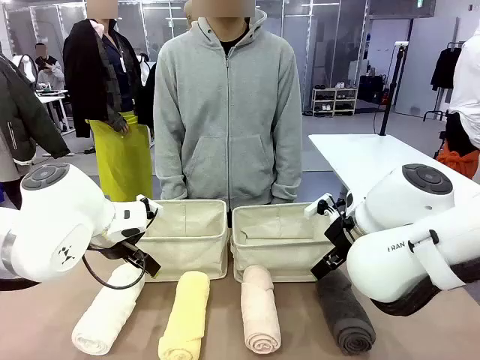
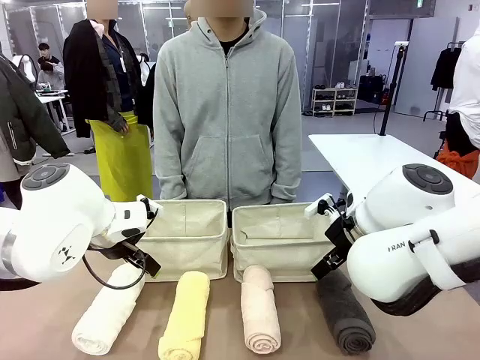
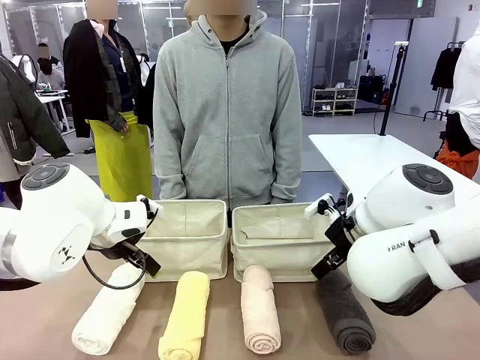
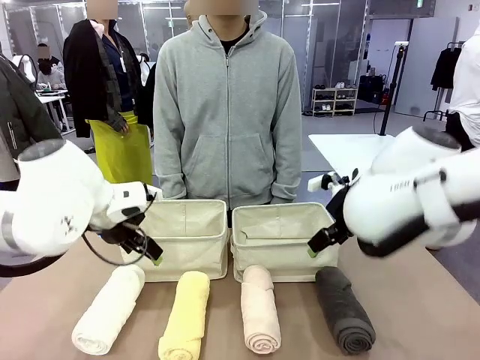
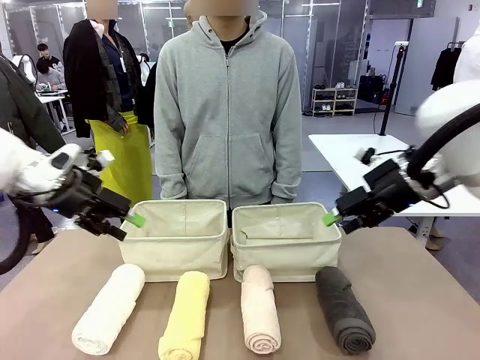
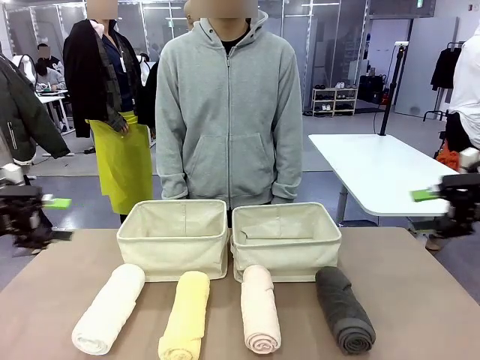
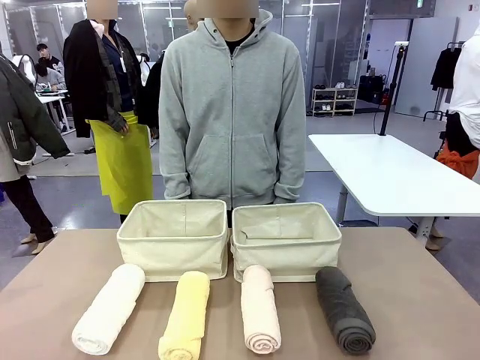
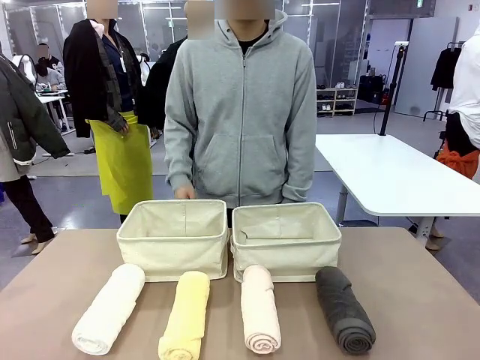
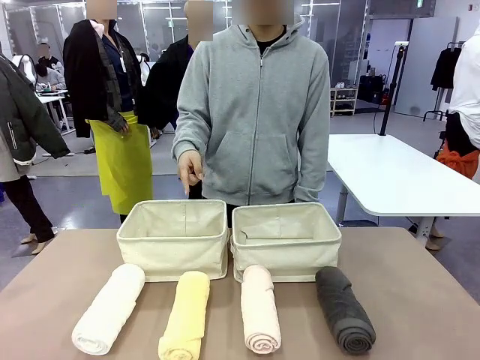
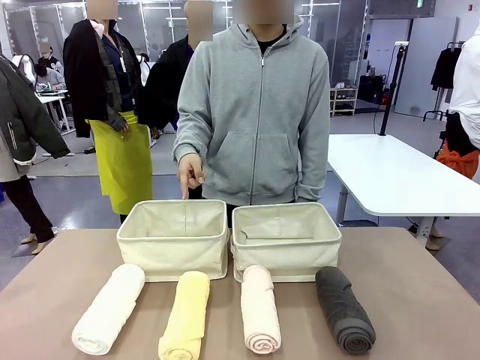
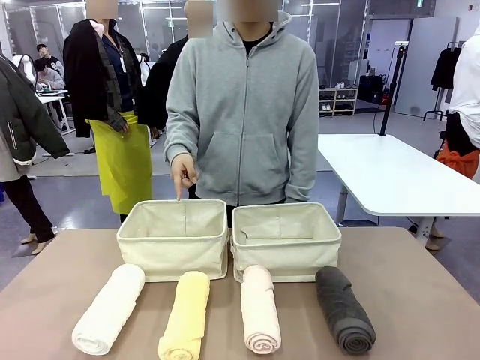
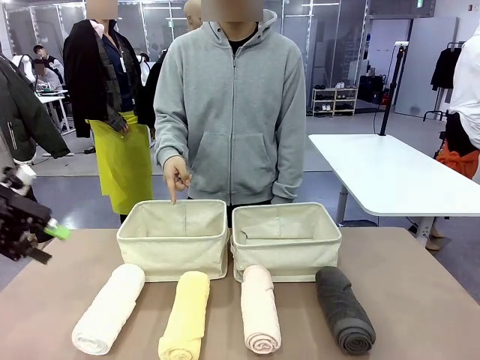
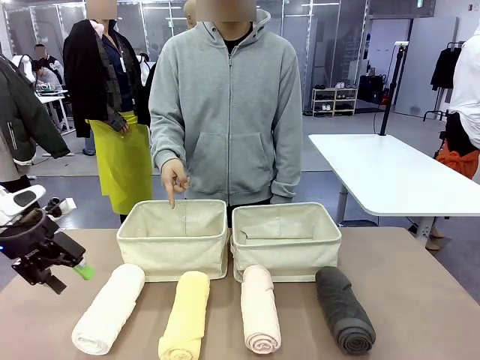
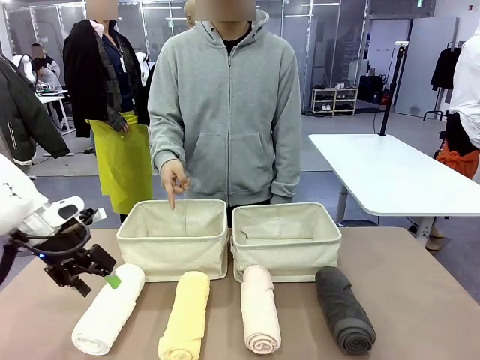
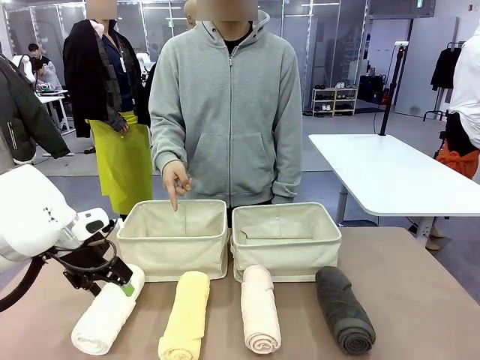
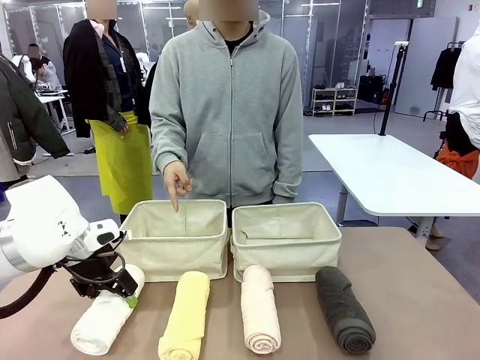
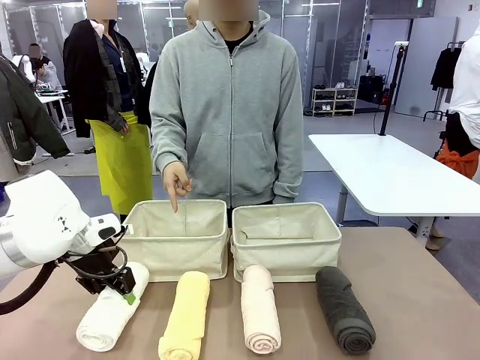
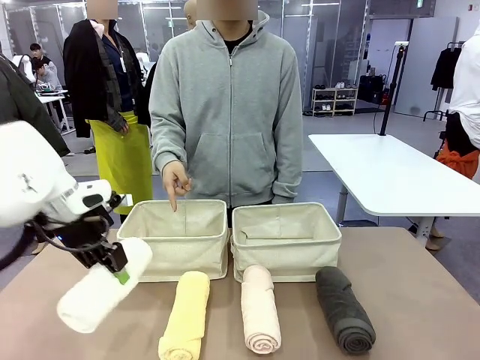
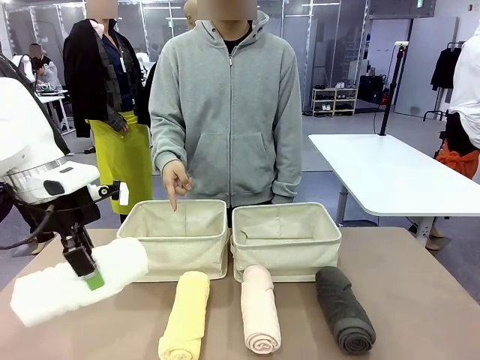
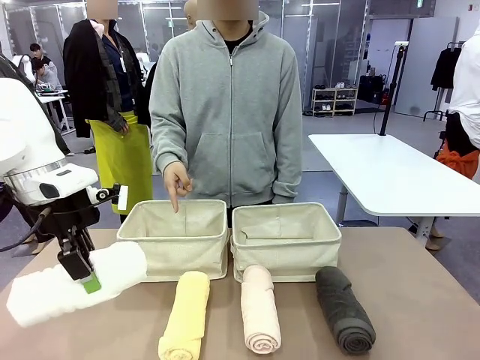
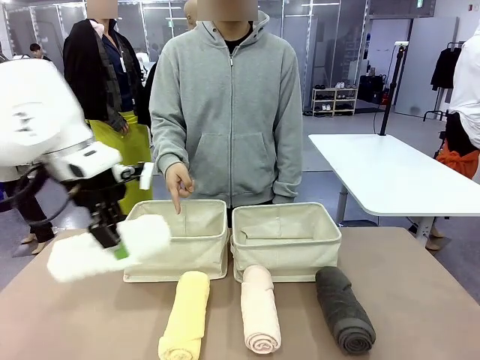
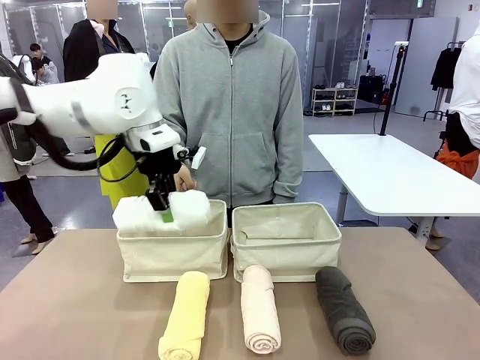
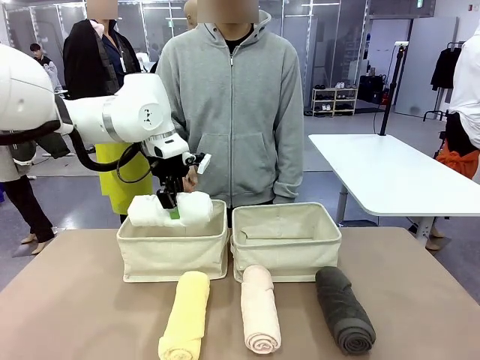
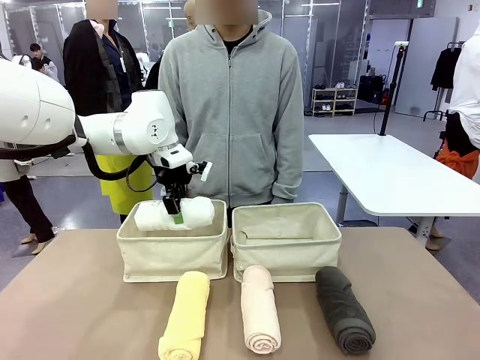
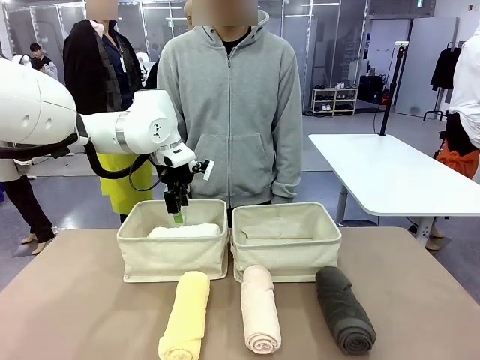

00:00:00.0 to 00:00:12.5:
Task: Divide the towels into two baskets.
Robot: Pick up one hotel-folded towel and place it in the Fabric basket indicated by the person.

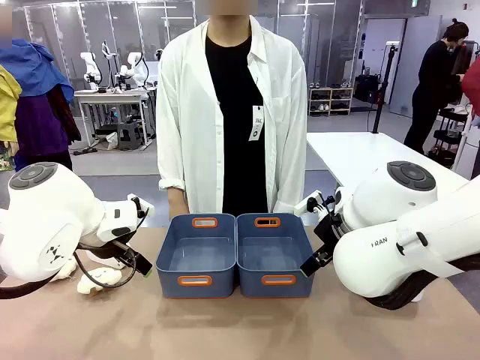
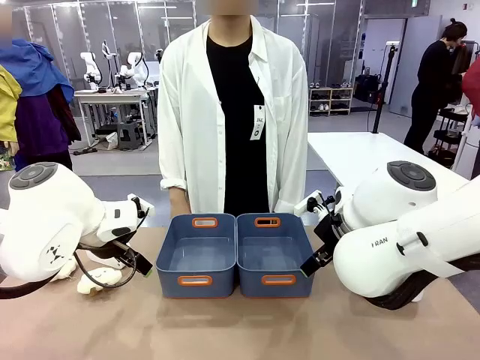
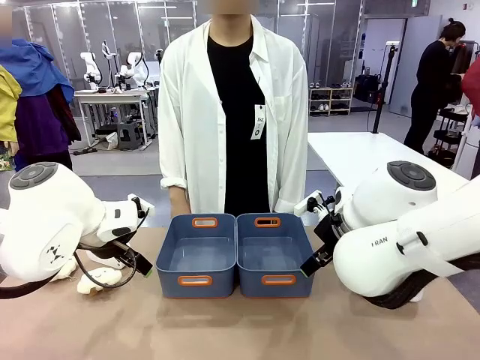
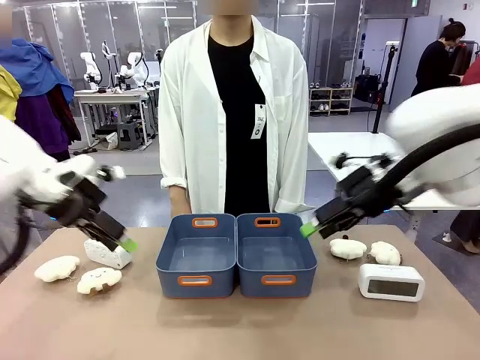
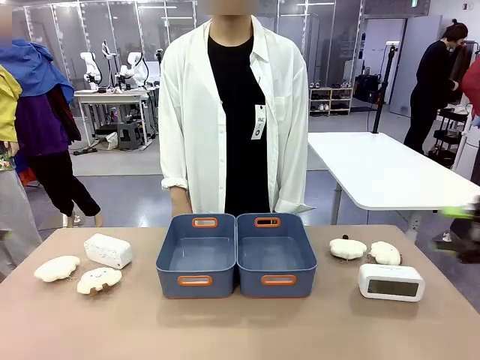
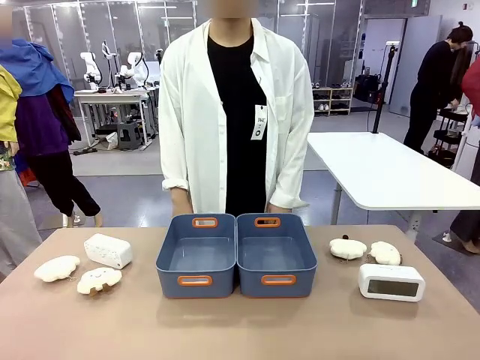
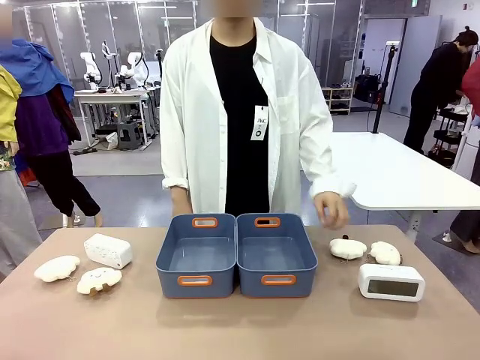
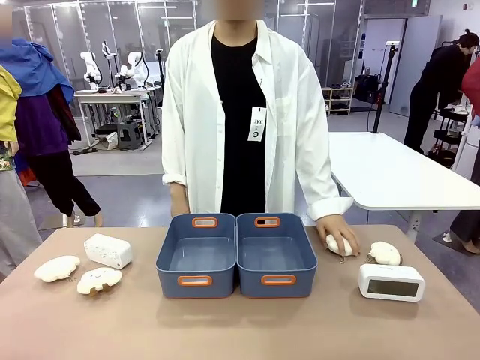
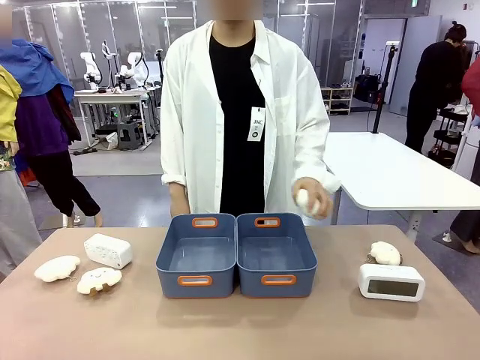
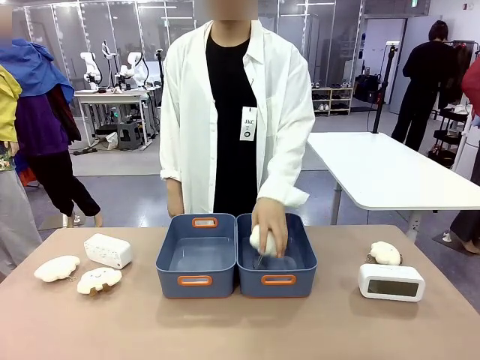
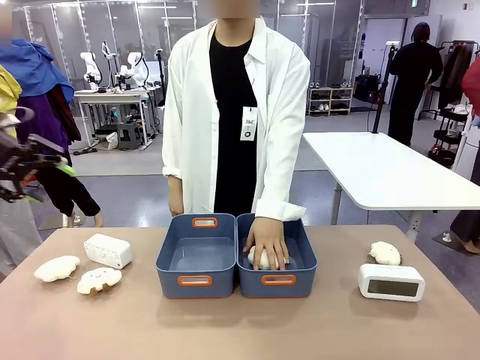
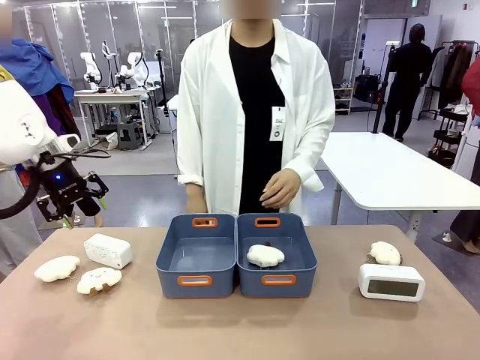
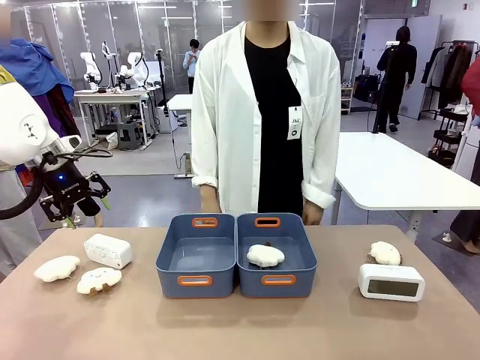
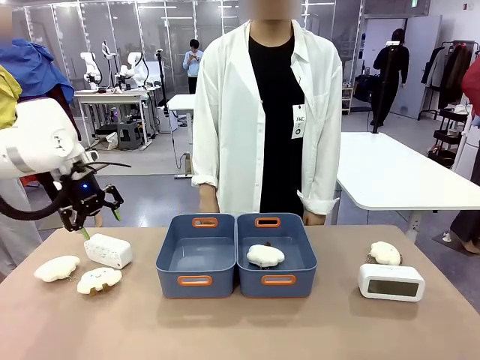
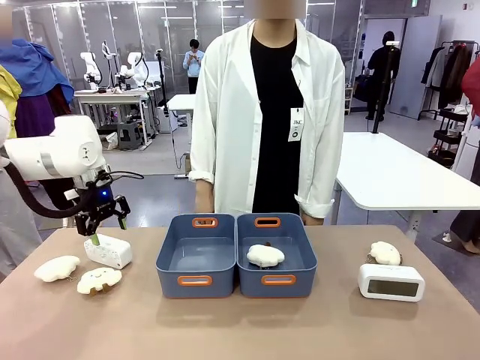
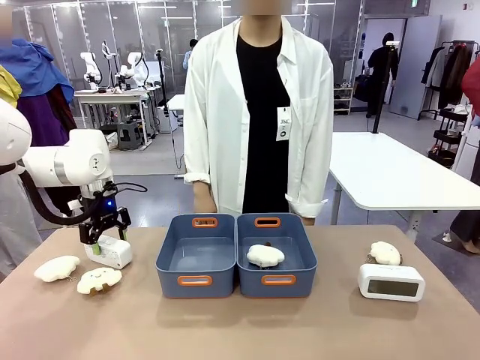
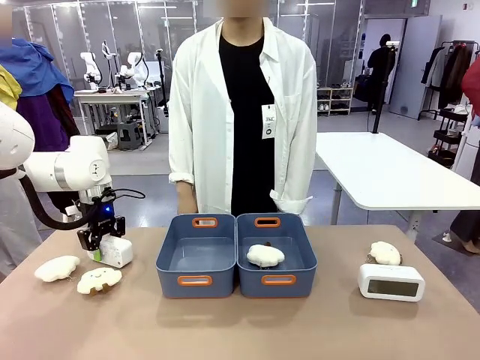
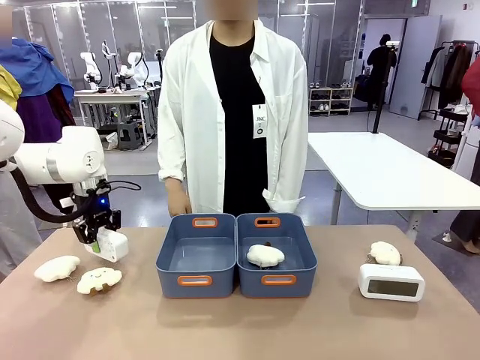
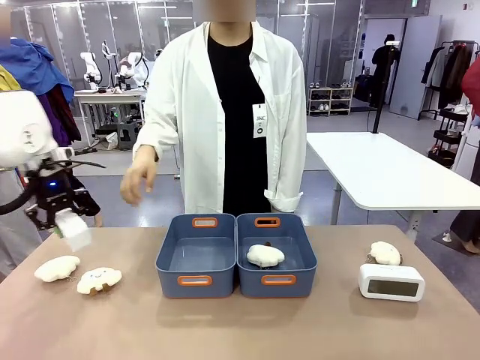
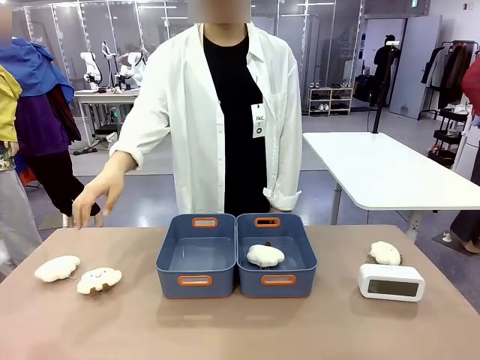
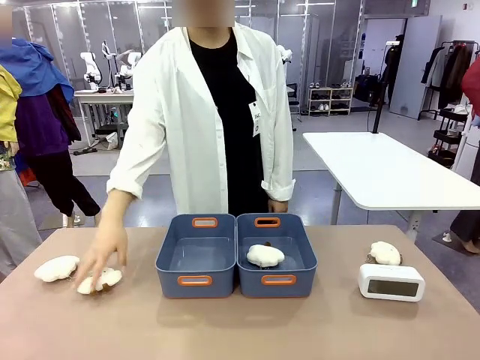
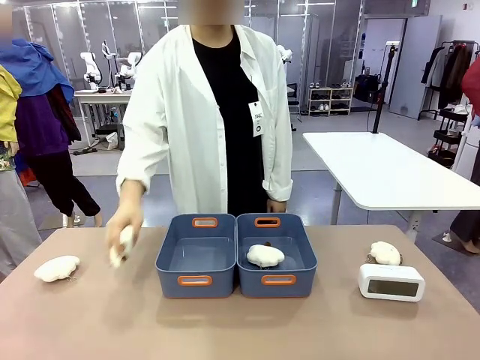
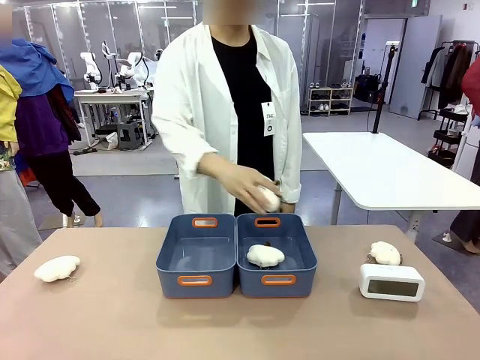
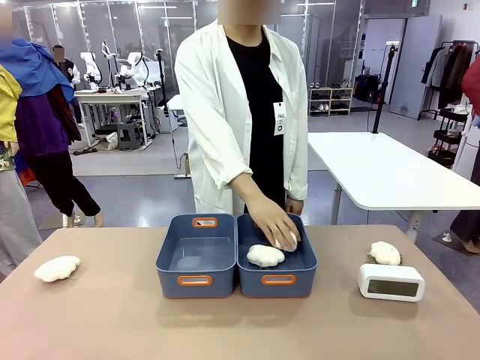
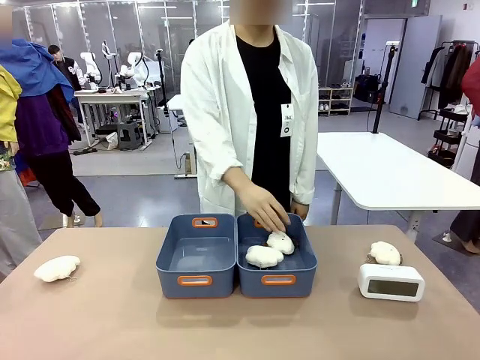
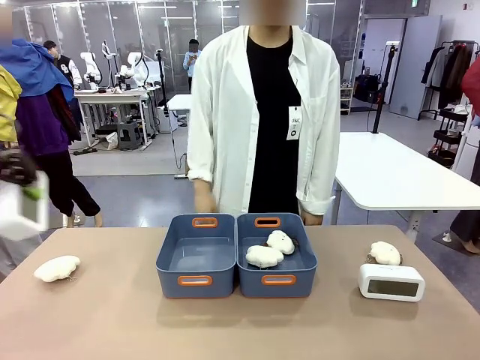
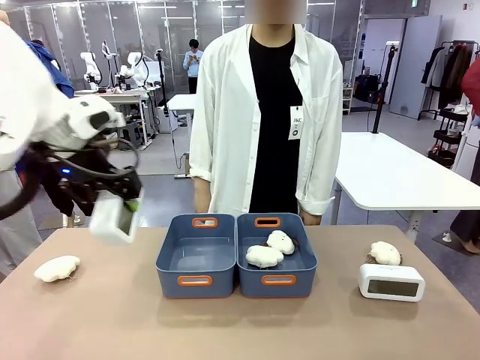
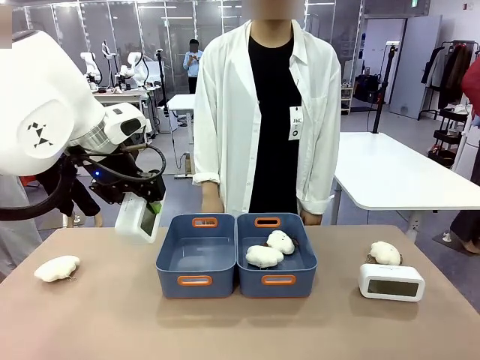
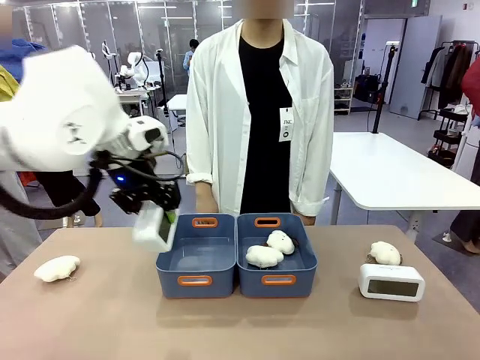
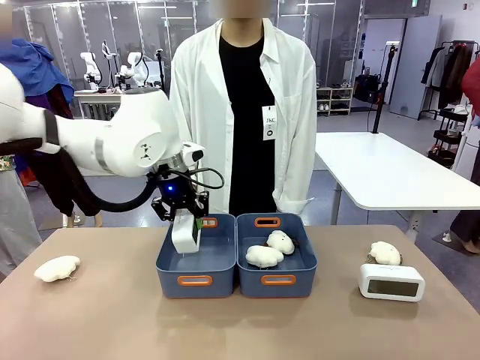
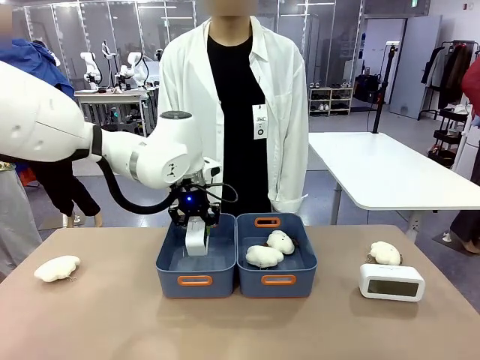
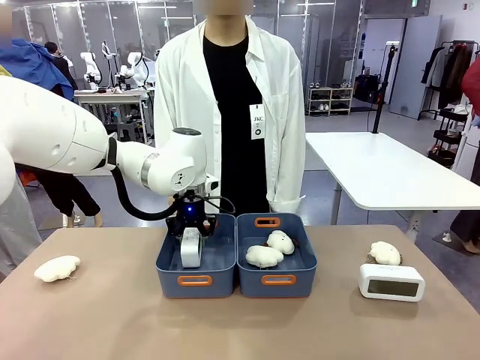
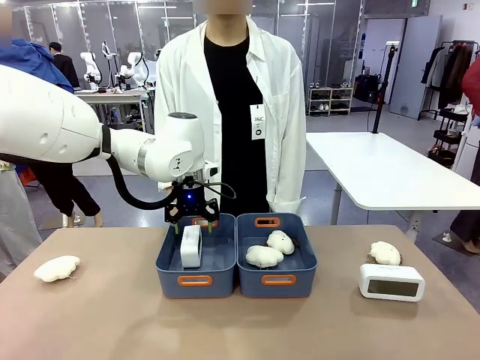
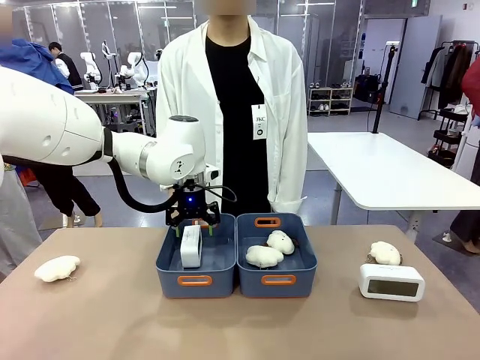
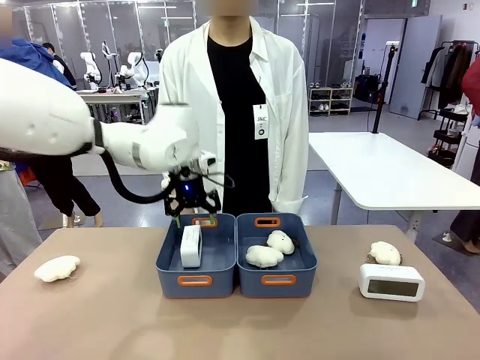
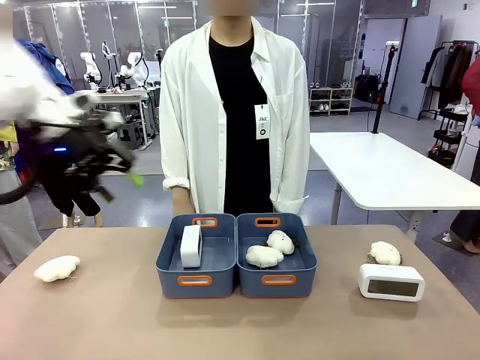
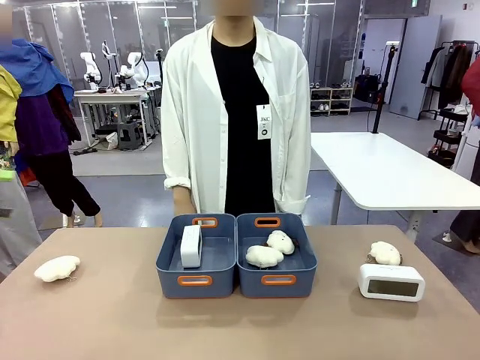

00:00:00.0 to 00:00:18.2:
Task: Sort the digital clocks into the basket.
Robot: Pick up the Digital clock from the table and place it into the empty Plastic storage basket.
Person: Pick up a plush toy from the table and place it in a plastic storage basket.
